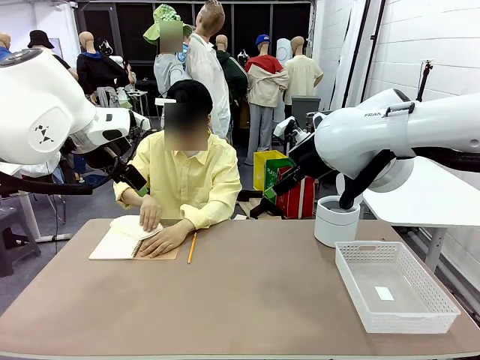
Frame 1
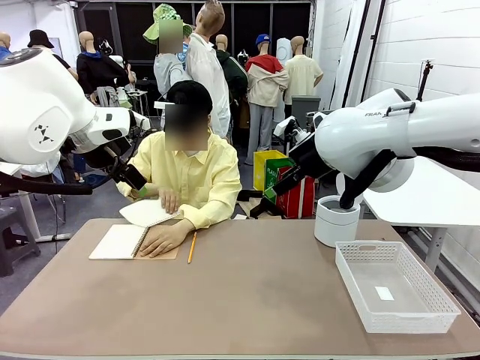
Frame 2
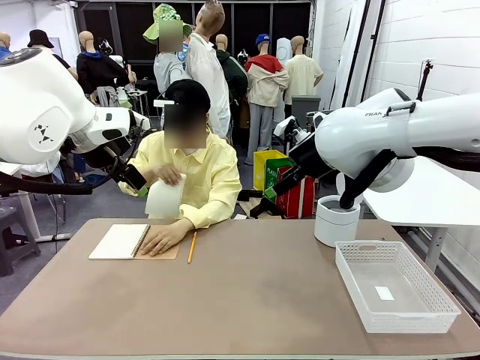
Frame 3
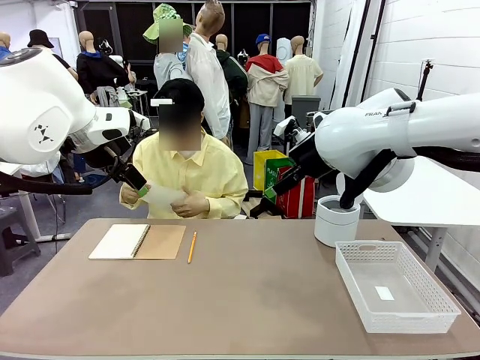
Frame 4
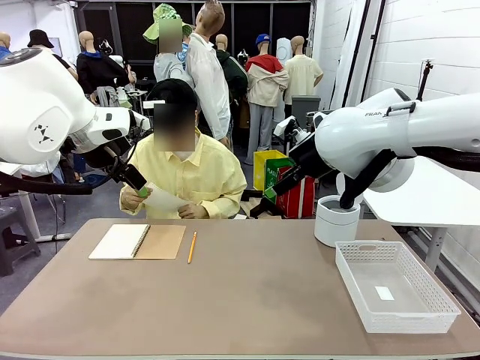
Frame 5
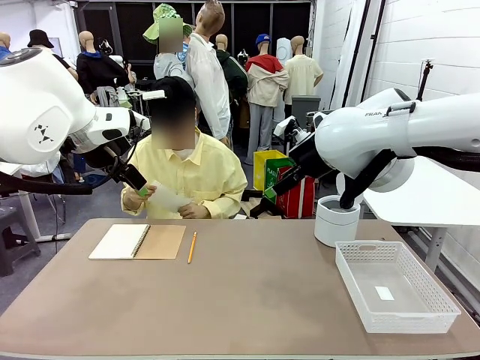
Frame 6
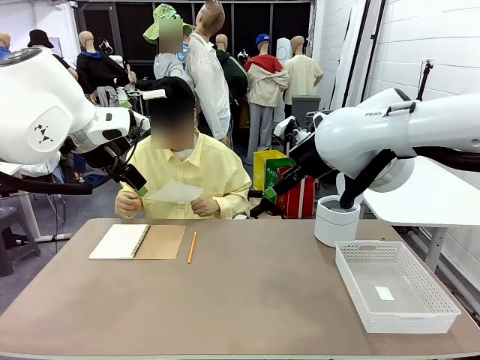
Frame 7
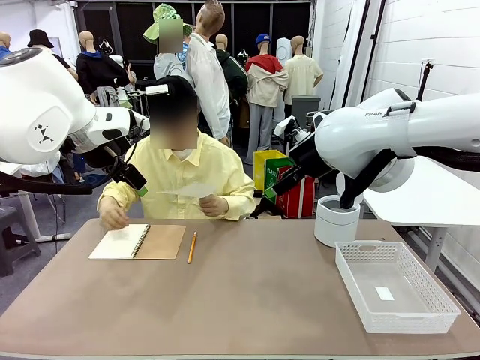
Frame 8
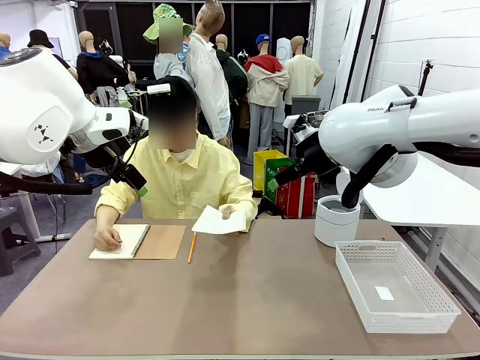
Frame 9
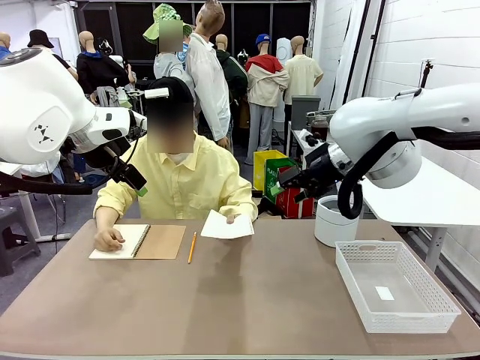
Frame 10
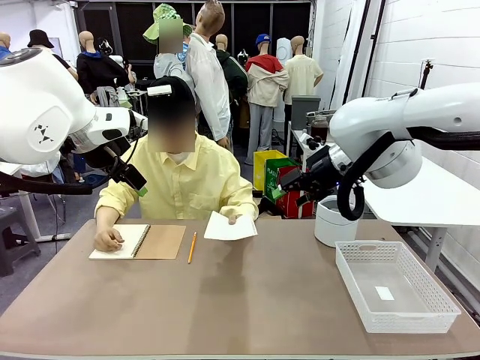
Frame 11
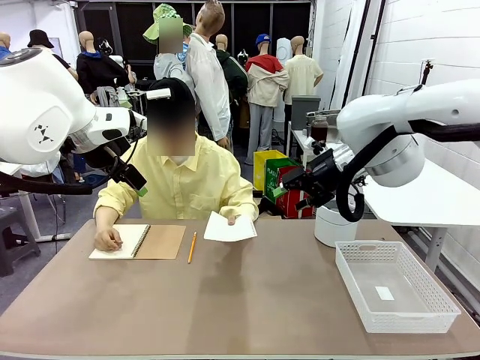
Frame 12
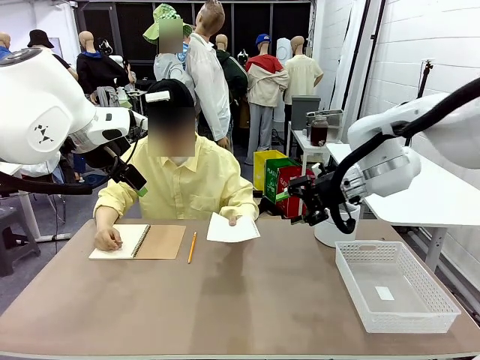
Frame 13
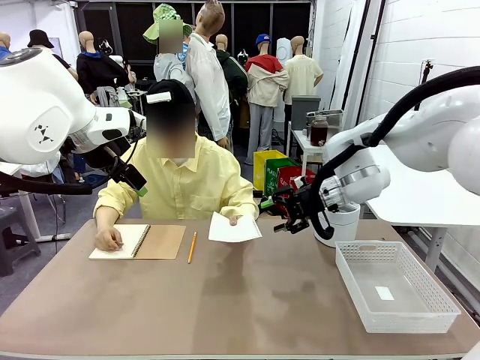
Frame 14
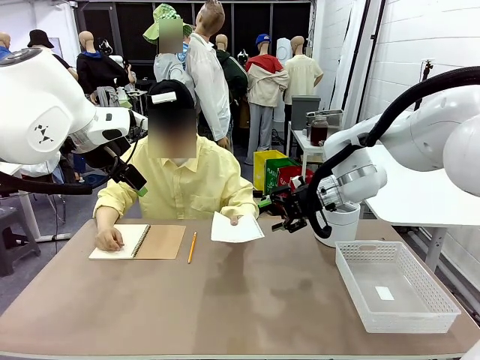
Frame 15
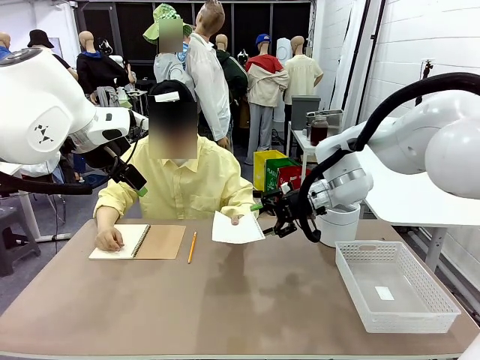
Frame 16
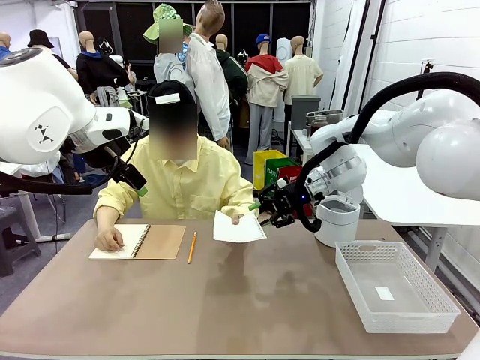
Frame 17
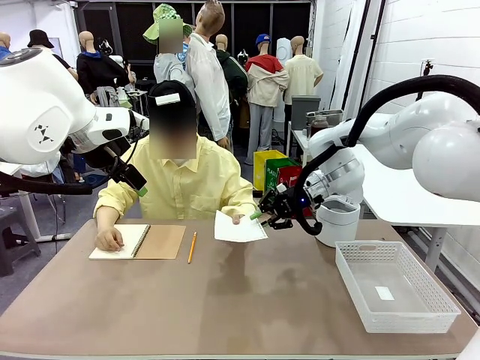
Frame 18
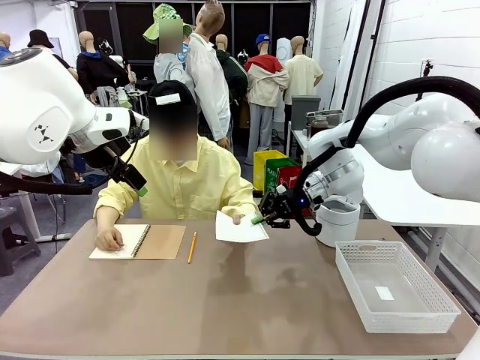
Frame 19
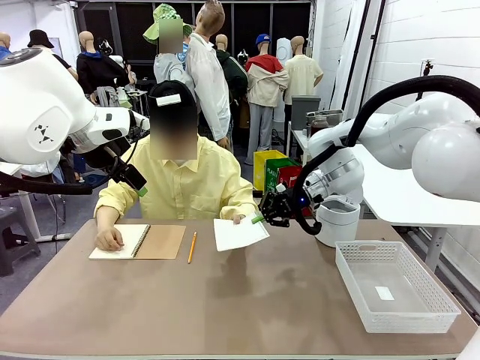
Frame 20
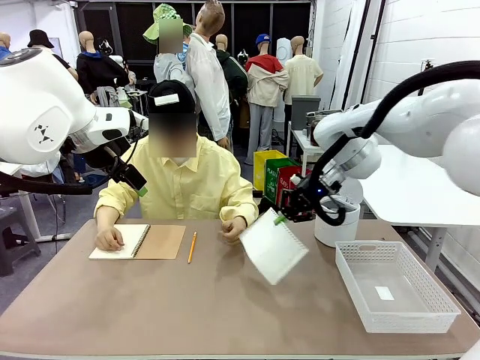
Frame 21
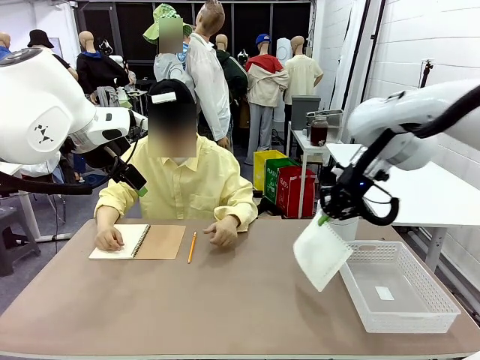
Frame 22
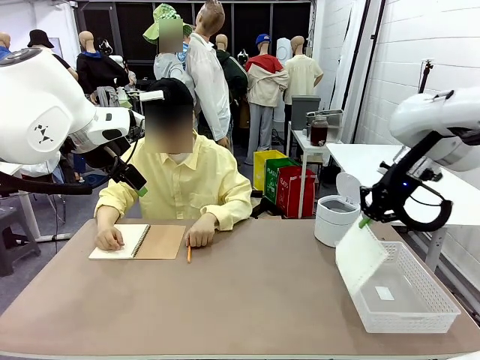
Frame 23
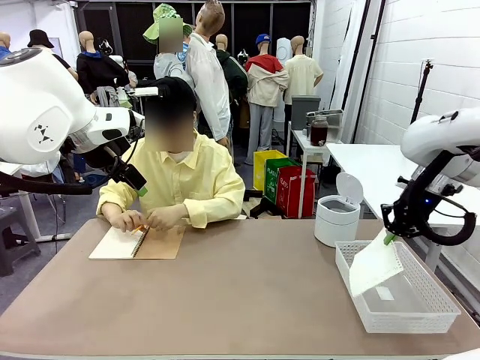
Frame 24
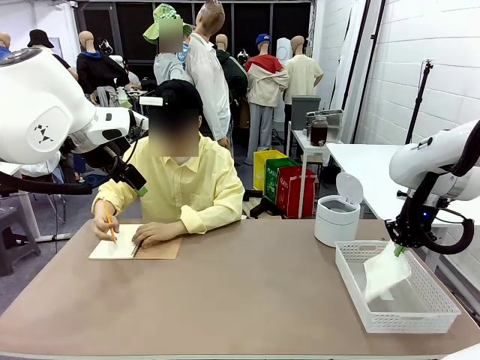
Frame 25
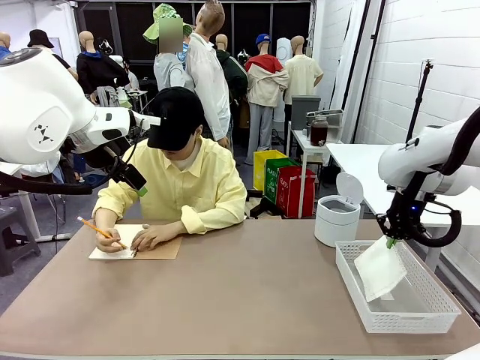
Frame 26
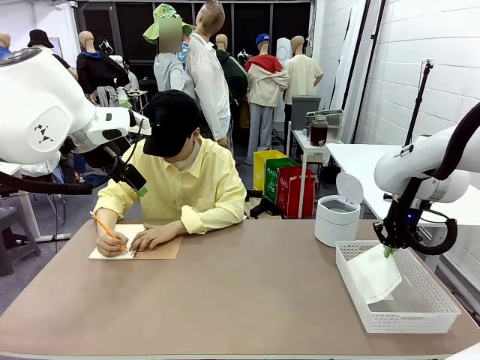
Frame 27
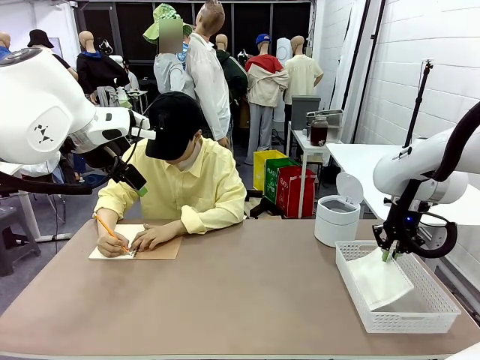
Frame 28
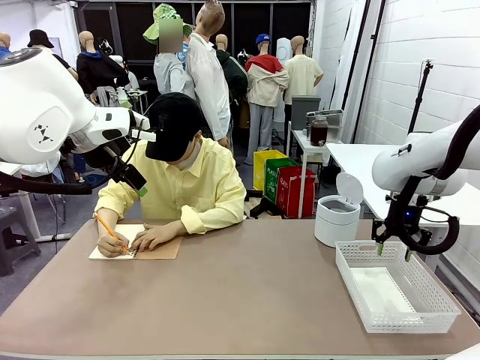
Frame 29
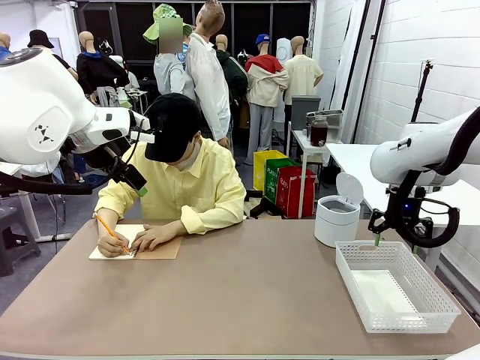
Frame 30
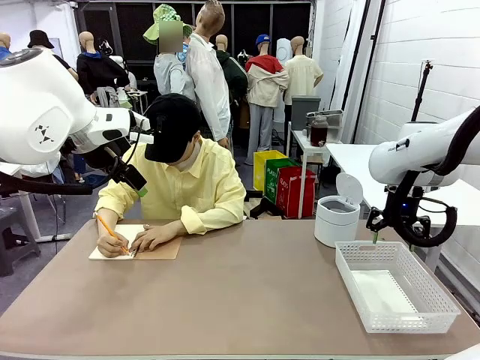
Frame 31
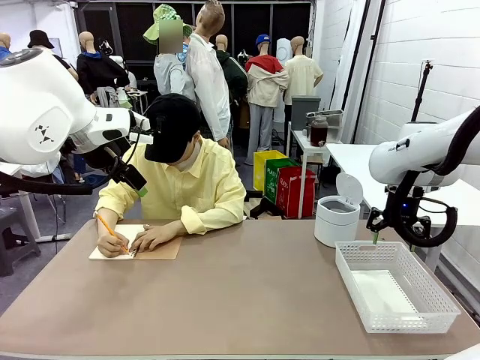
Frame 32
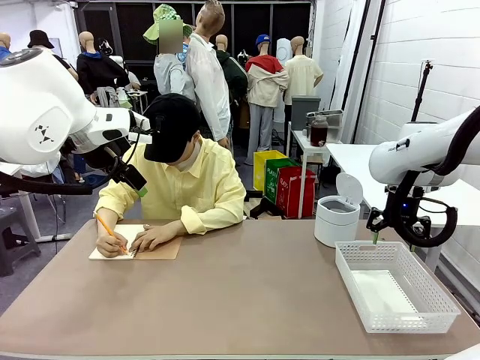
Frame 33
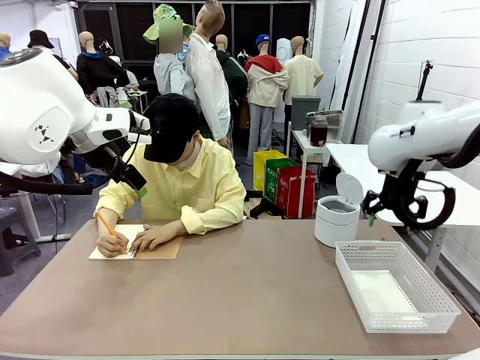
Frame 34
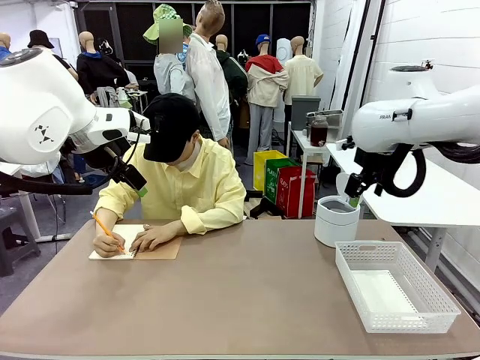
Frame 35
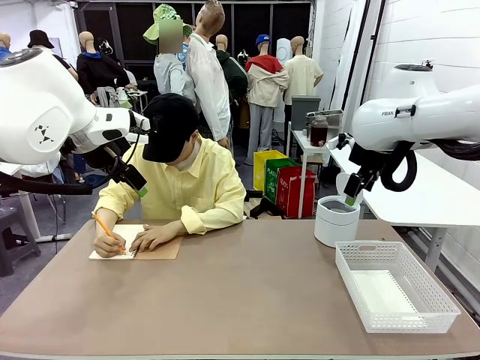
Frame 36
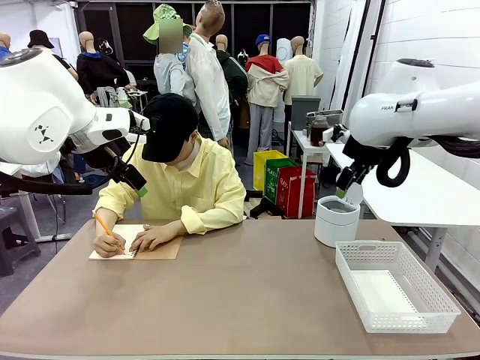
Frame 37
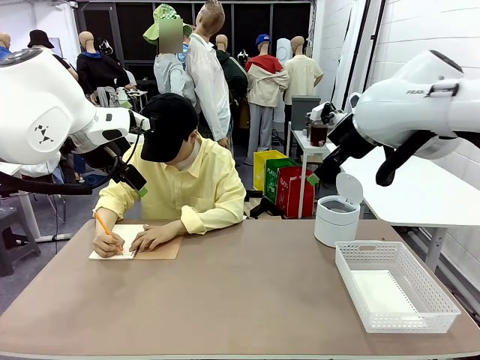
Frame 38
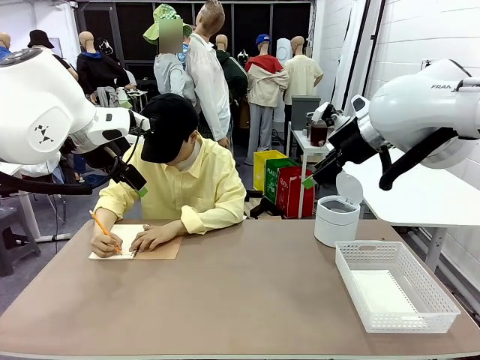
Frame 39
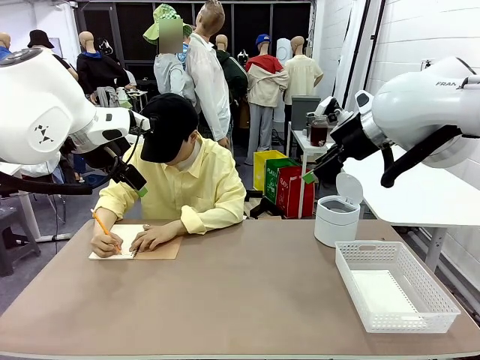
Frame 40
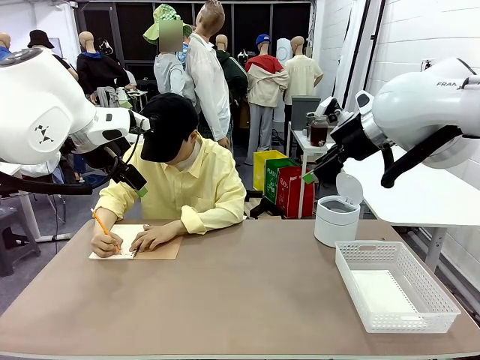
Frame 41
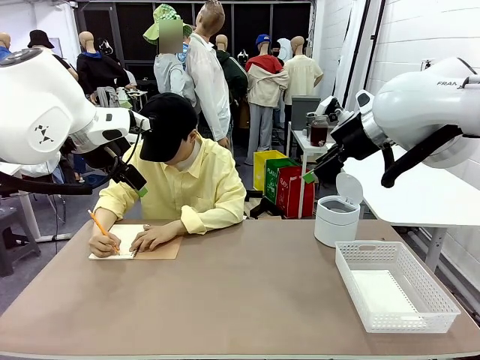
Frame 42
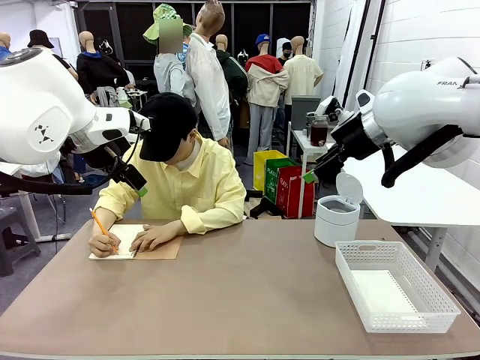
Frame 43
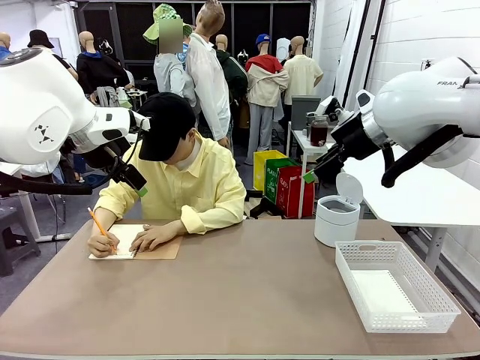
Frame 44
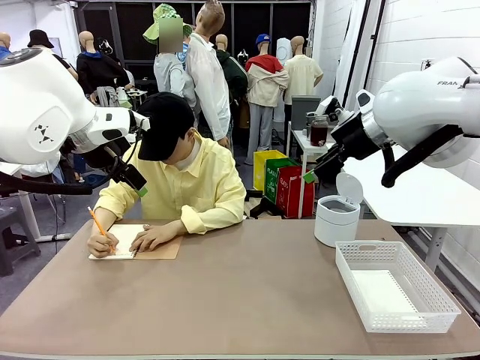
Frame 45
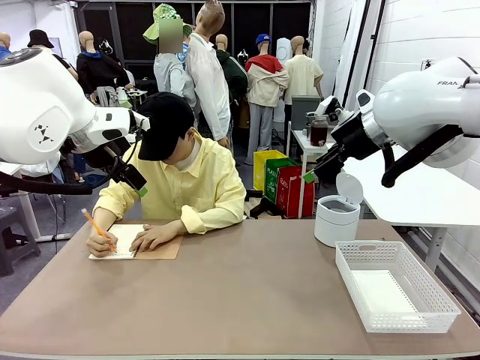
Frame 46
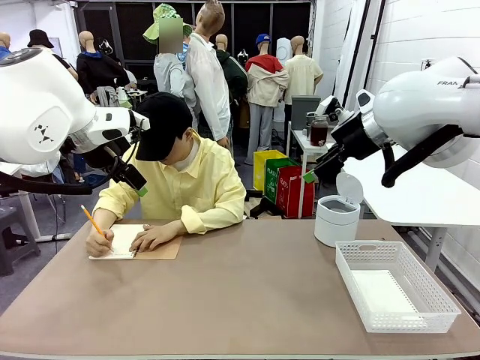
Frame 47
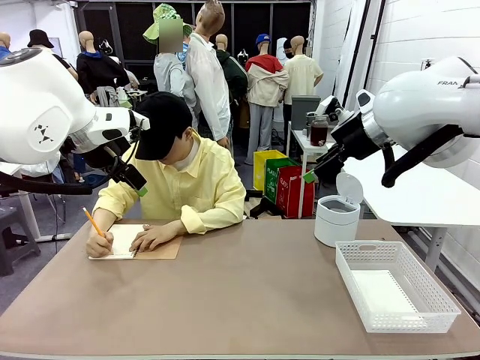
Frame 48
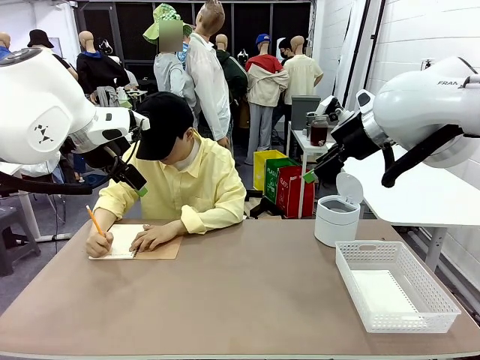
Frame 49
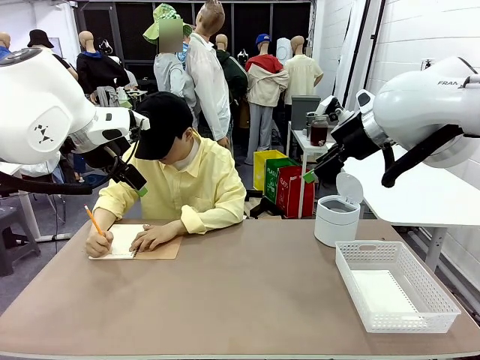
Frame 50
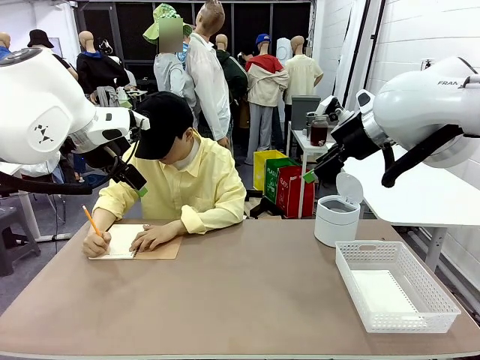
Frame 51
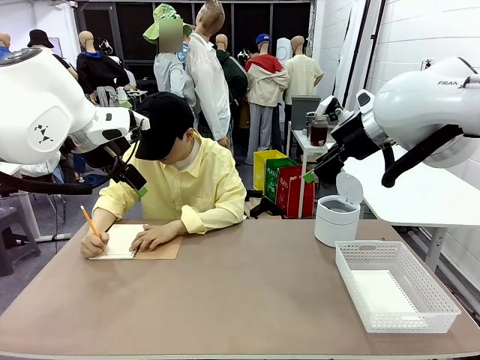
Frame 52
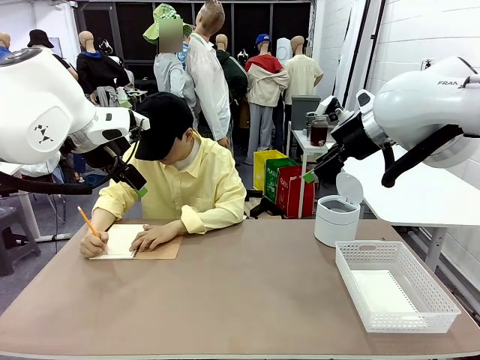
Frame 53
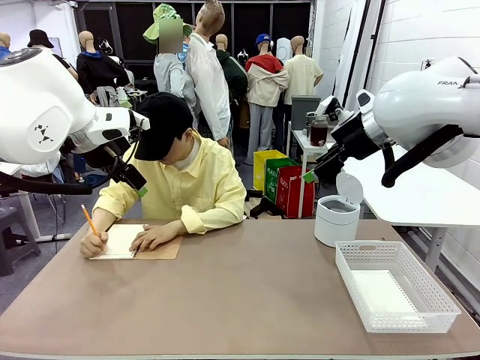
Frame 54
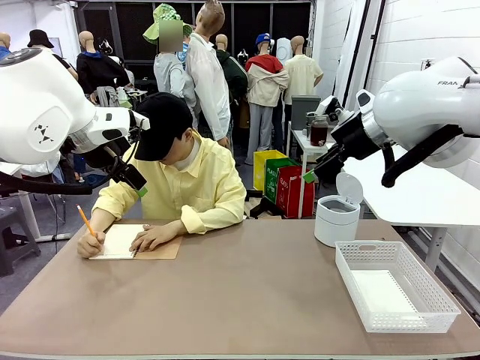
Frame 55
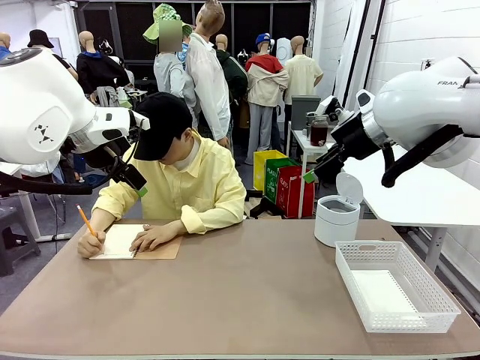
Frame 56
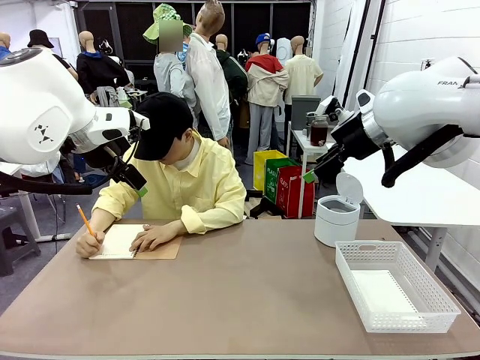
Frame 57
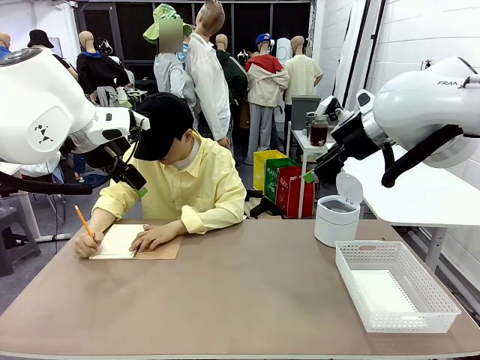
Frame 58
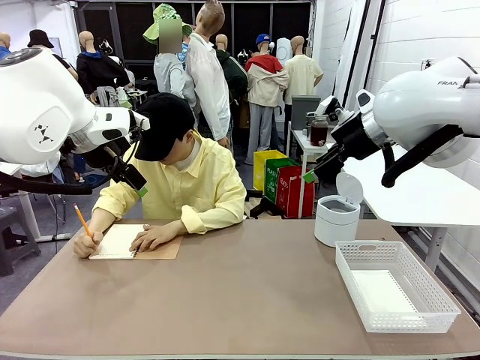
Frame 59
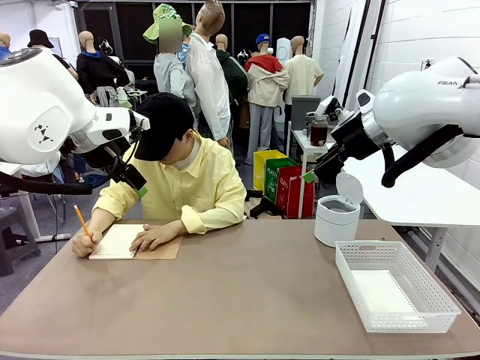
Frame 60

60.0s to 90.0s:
Task: Sort the paper based on its condition.
Robot: If a person hands you a paper, place it in the Organizing basket , and if it's crumpled, put it in the Trash can.
Person: Hand the torn page to the robot or crumple it and throw it to the center of the table. Tear out a page from the spiral notebook.
